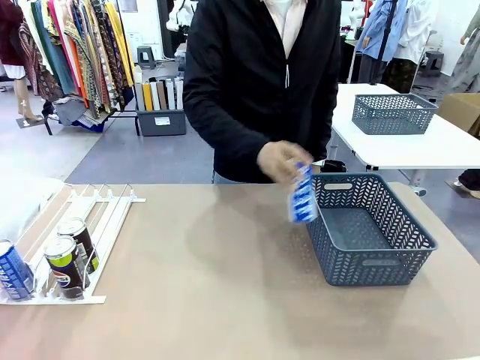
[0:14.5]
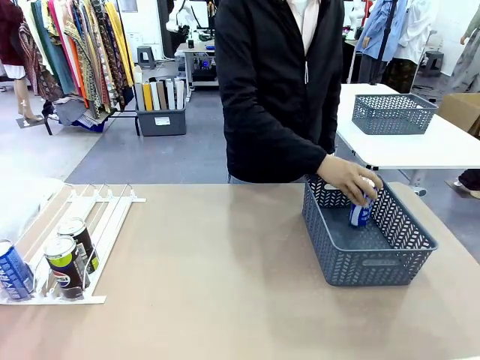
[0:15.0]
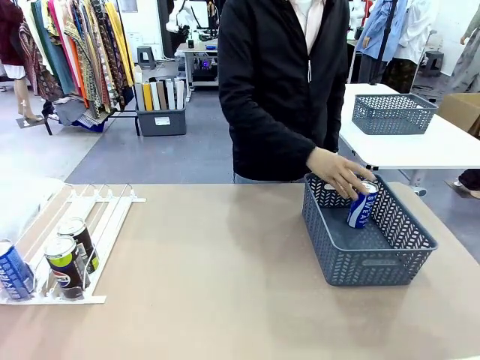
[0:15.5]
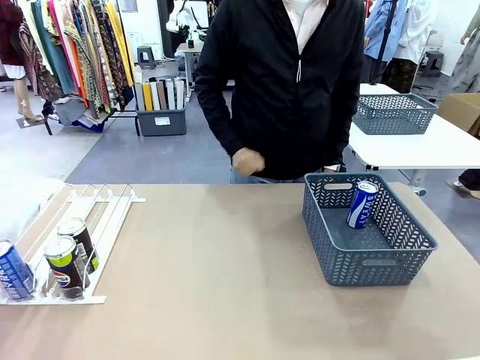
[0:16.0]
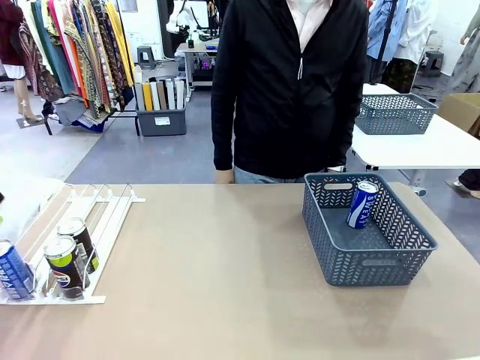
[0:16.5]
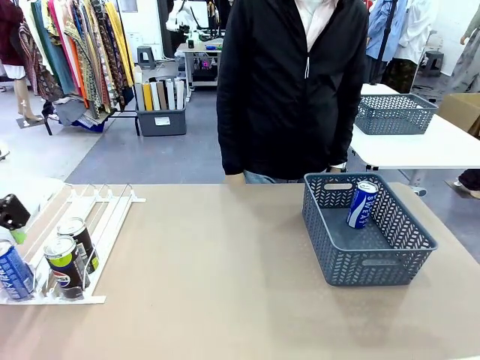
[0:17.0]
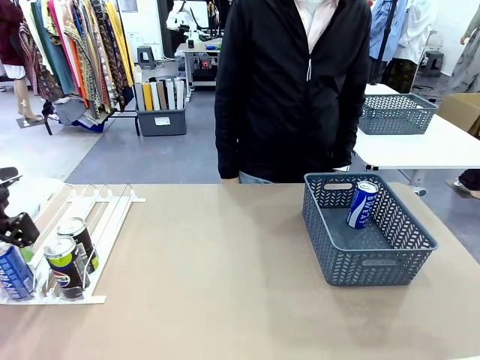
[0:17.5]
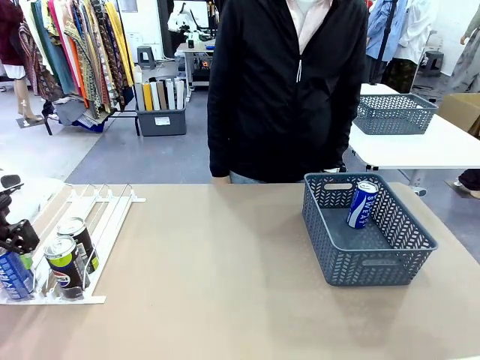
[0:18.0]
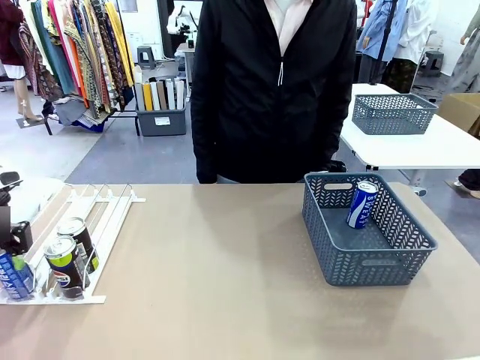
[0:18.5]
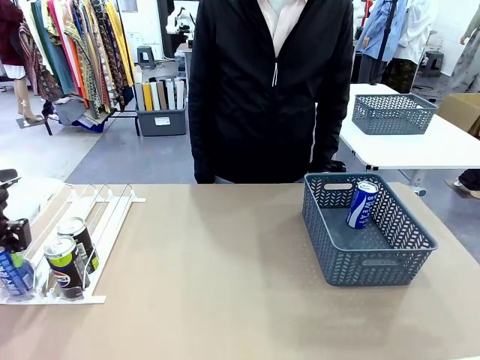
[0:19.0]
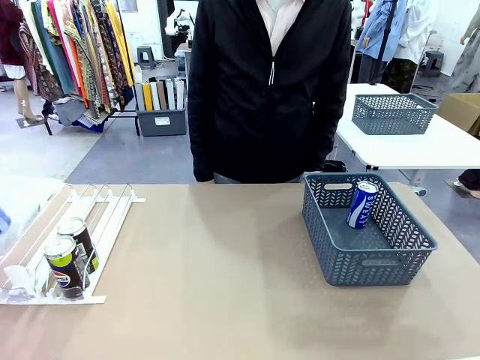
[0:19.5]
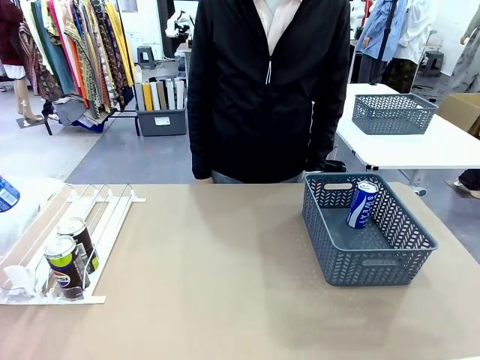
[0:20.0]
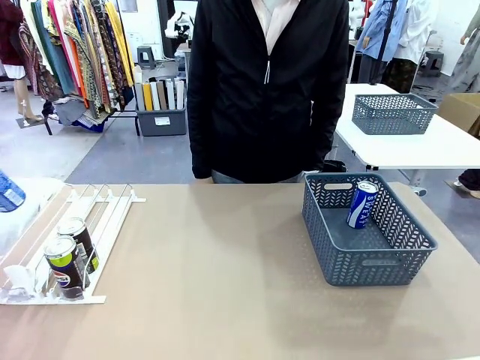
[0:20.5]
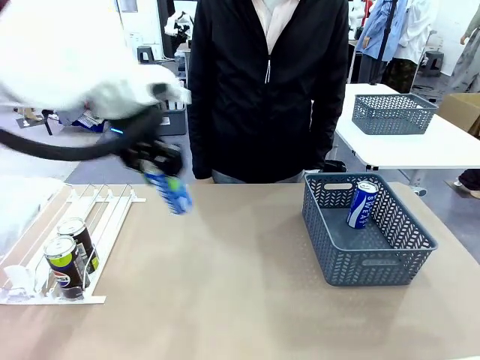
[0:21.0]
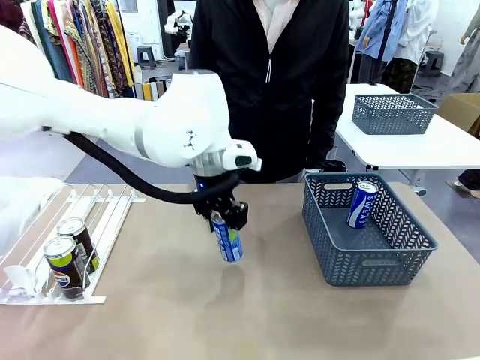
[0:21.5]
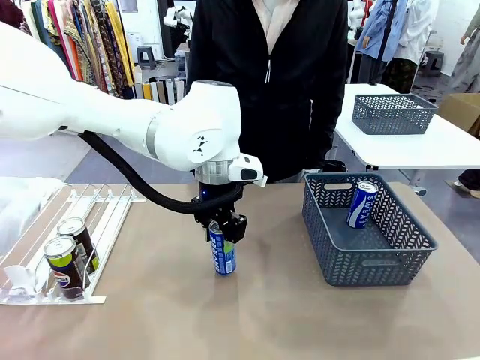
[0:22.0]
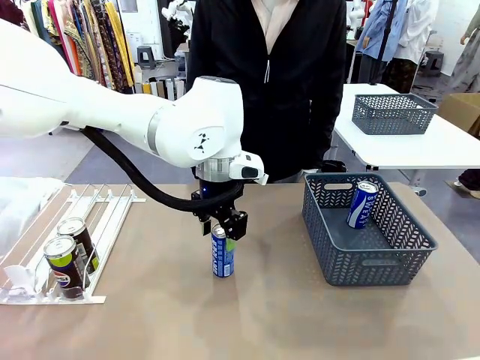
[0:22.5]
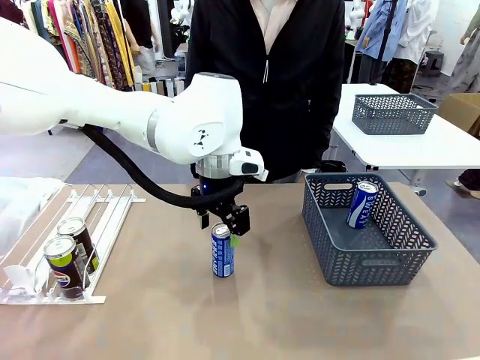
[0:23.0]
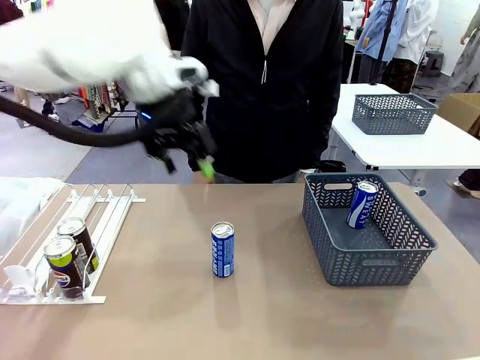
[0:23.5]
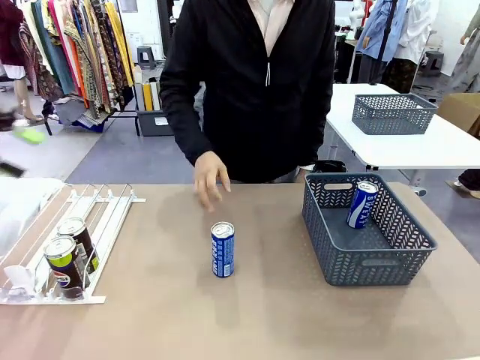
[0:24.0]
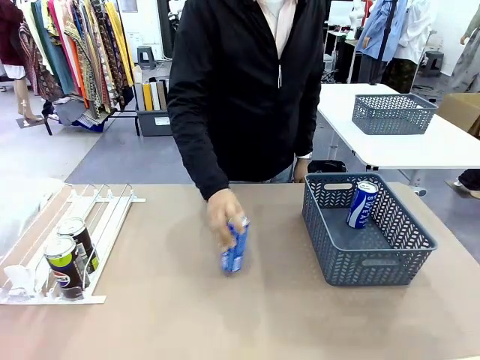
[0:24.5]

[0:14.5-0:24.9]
Task: Retrieve and store the cans from the dispenser.
Robot: Pick up the last remaining can from one row of the Automatic Can Dispenser and place it in the middle of the table.
Person: Pick up one Pepsi can from the middle of the robot table and place it in the basket.

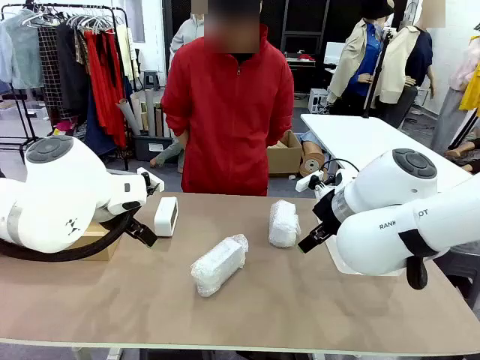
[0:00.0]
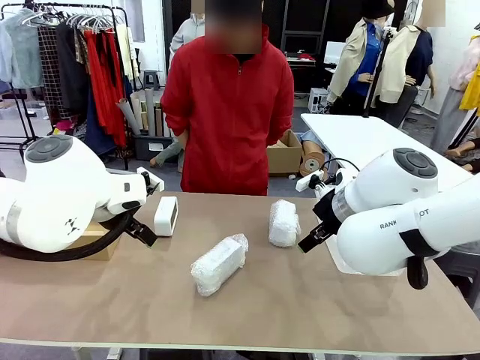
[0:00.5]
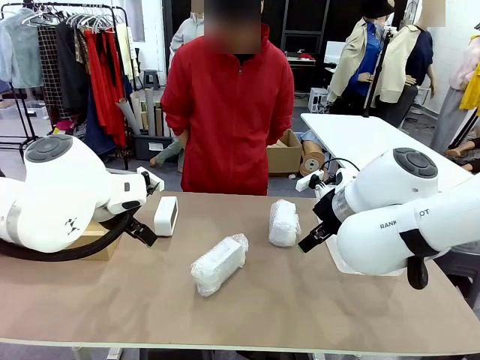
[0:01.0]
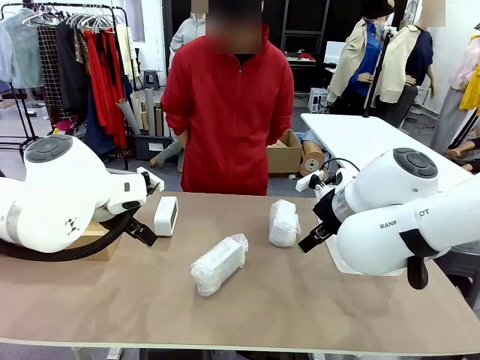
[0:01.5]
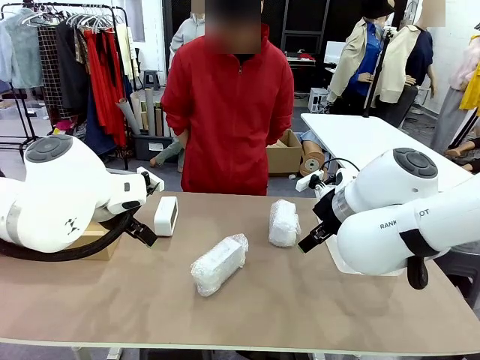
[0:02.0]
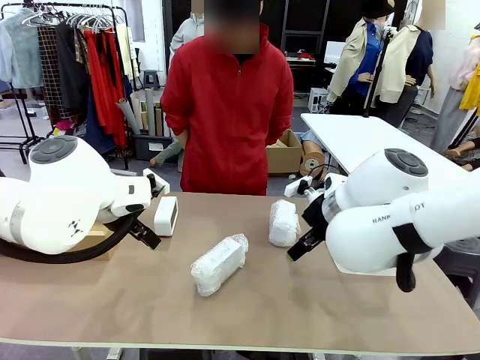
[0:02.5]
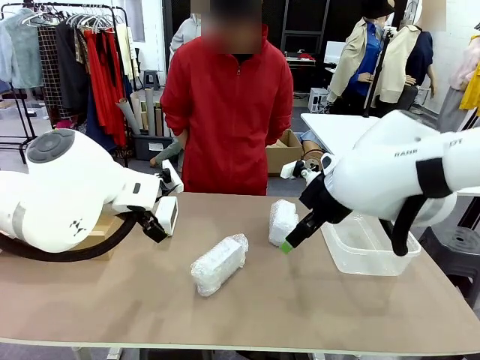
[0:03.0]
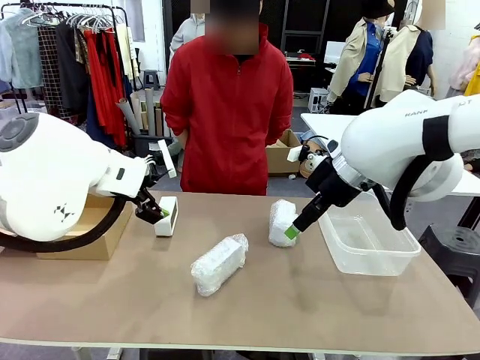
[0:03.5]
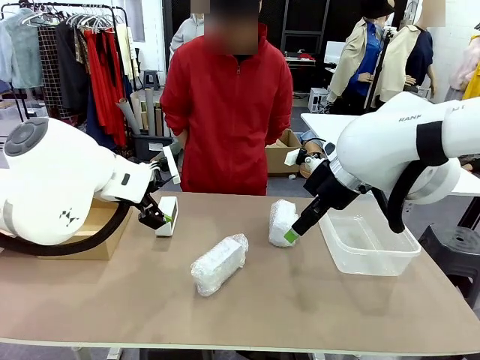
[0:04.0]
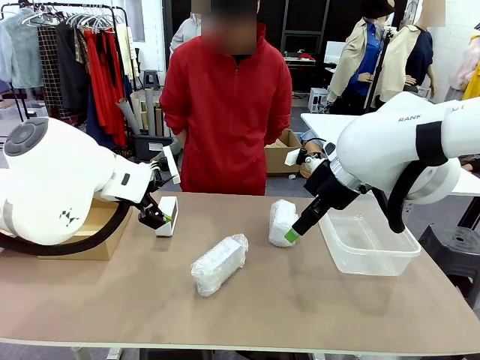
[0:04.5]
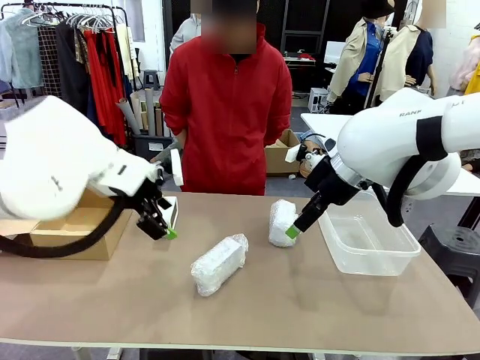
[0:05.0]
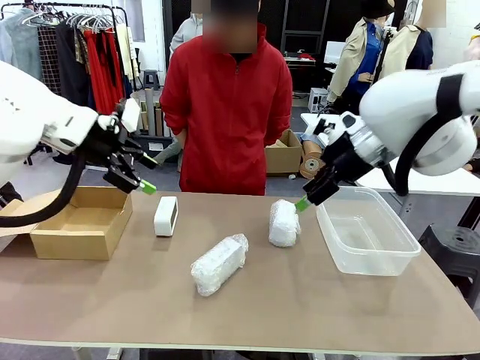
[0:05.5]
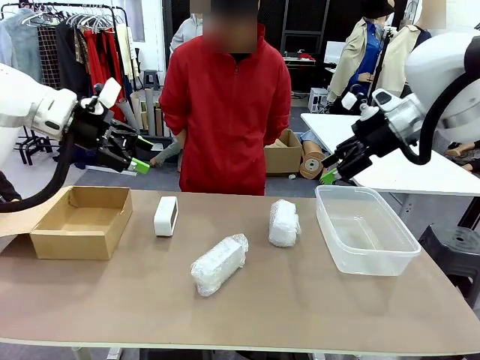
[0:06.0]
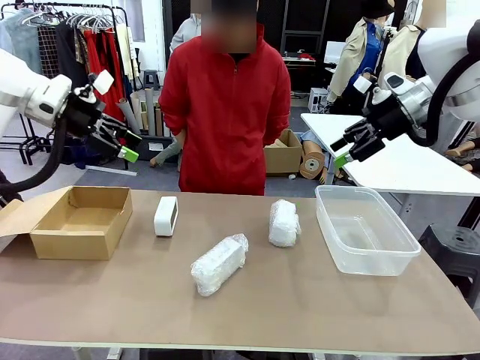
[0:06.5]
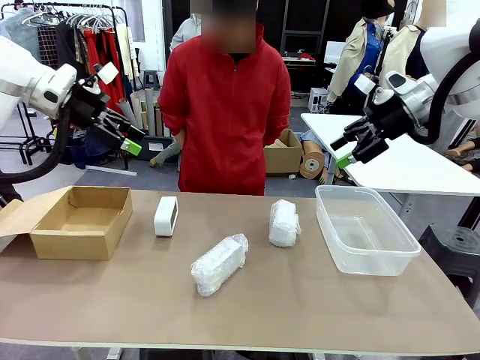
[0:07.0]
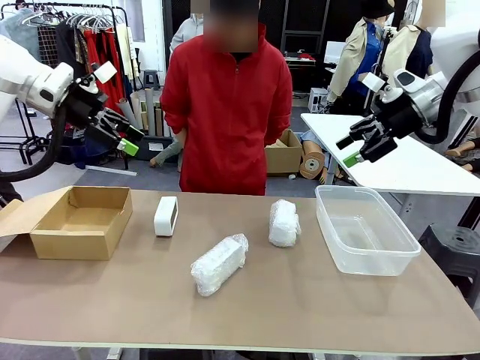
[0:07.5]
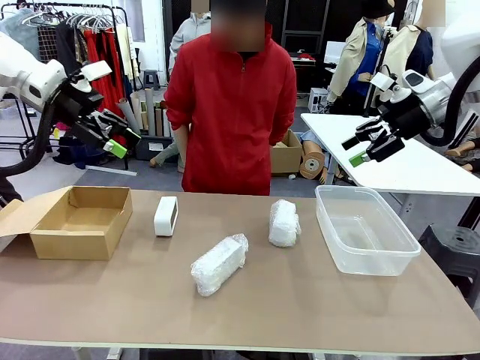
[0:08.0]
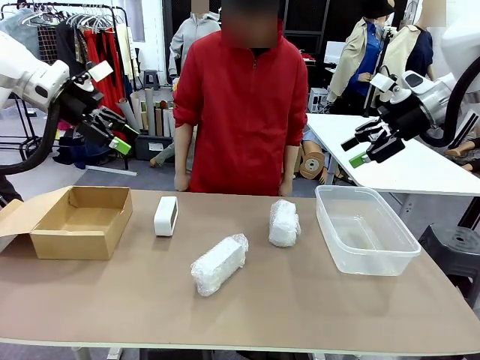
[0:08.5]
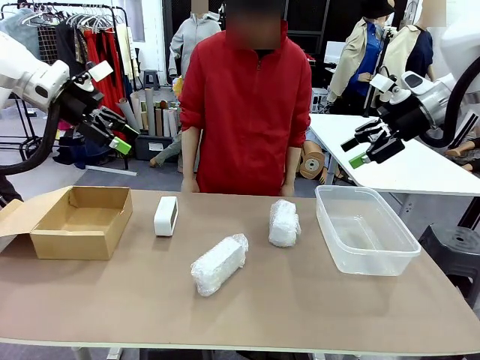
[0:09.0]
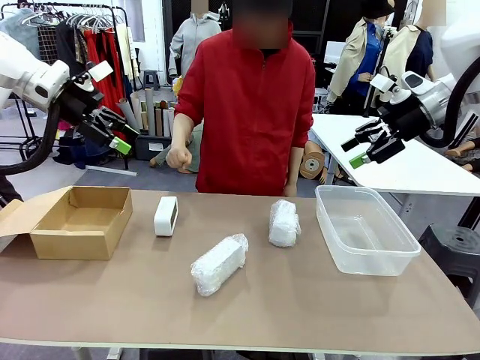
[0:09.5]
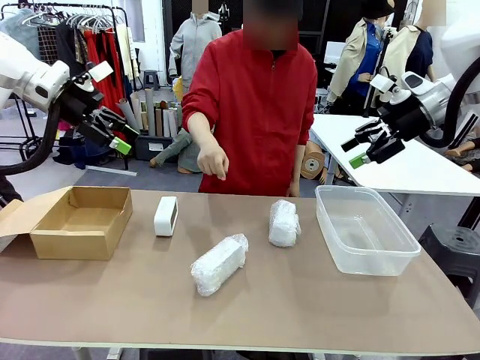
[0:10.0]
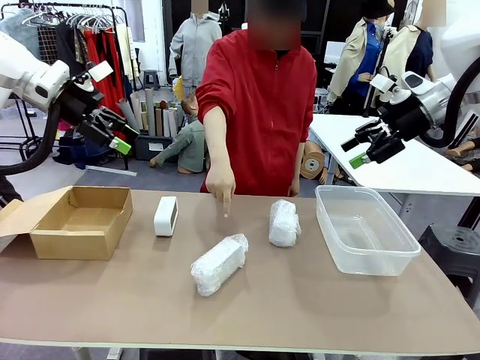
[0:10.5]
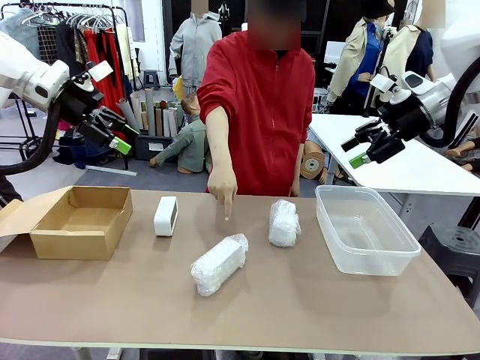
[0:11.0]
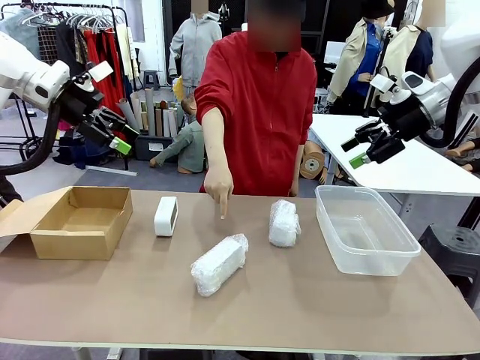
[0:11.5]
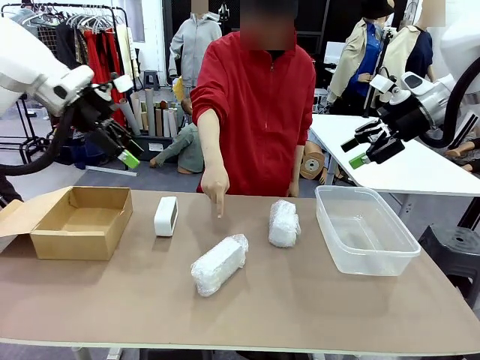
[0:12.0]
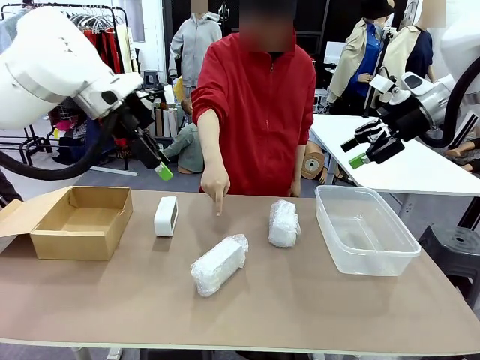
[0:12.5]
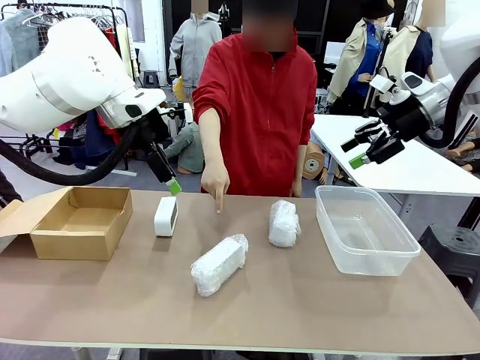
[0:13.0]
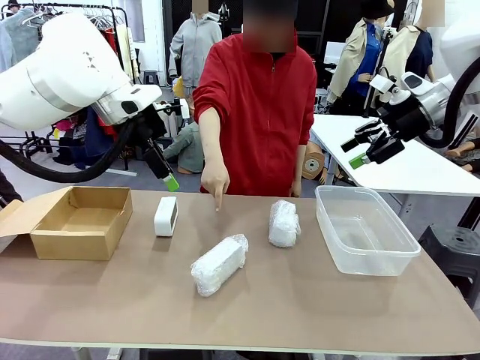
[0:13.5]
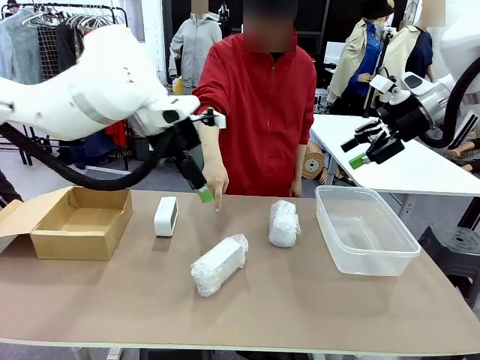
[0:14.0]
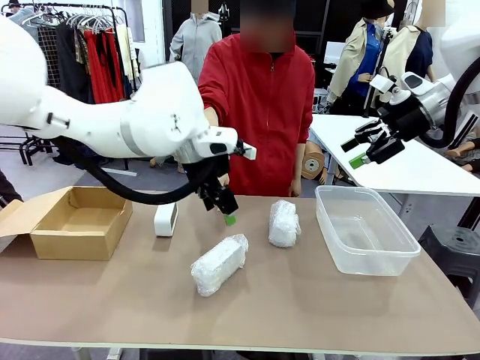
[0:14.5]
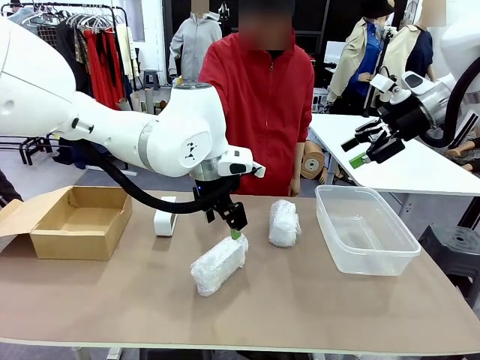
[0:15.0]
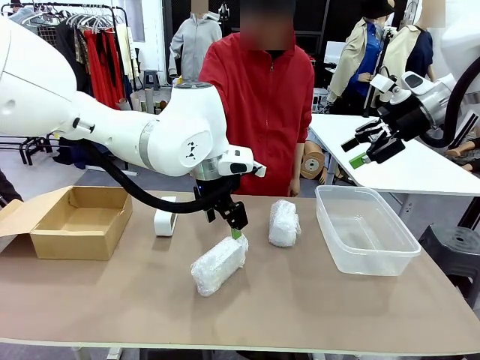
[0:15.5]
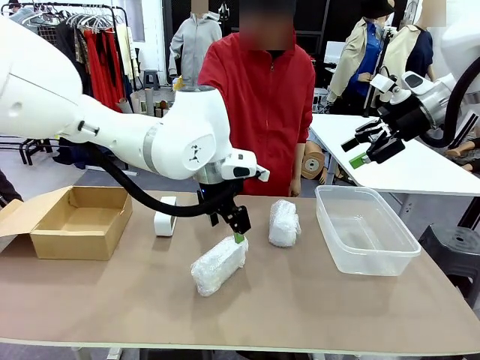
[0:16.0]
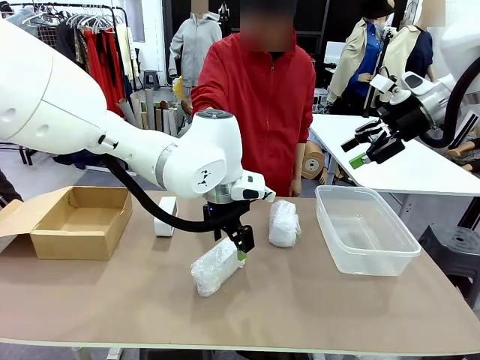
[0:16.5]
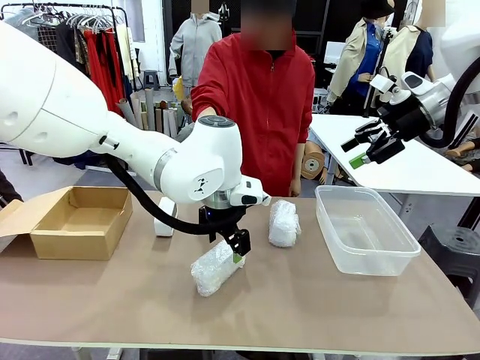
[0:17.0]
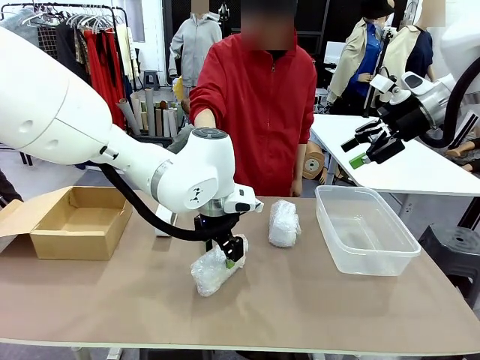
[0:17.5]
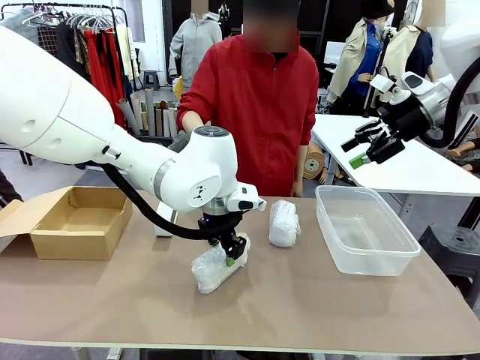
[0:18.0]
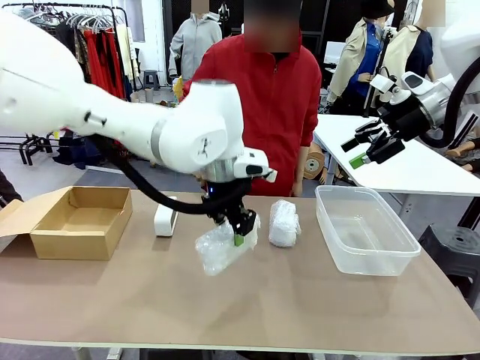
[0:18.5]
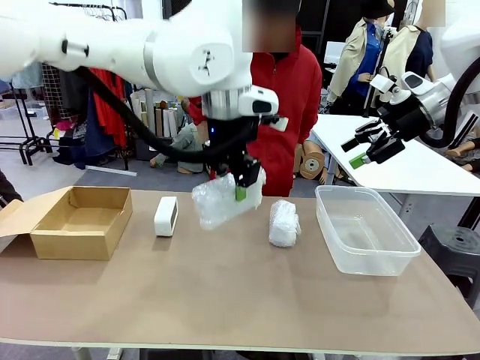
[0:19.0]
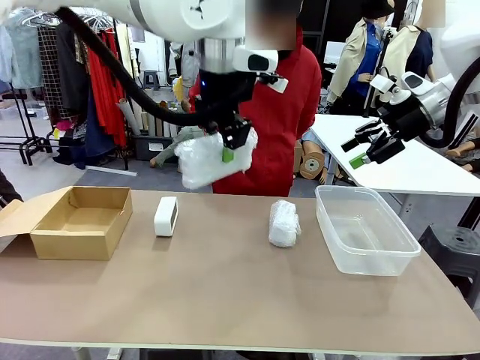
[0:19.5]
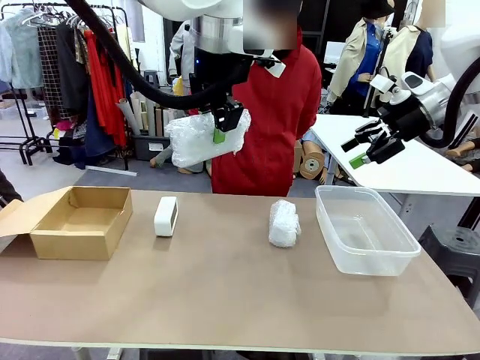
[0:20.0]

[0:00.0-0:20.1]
Task: Separate and place wrapped and unwrapped clocks.
Robot: Pick up the Digital clock indicated by the person.
